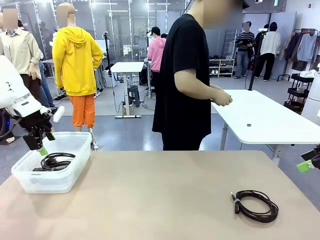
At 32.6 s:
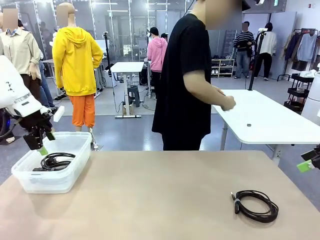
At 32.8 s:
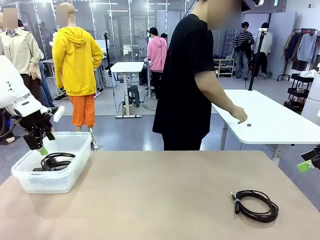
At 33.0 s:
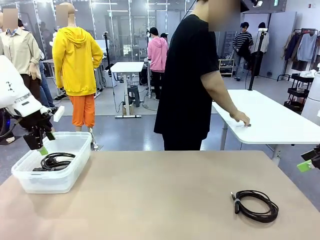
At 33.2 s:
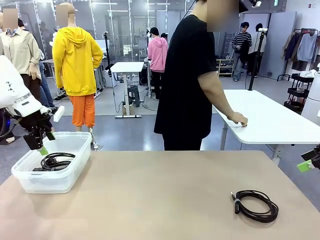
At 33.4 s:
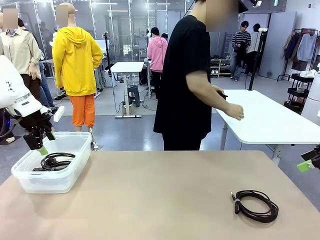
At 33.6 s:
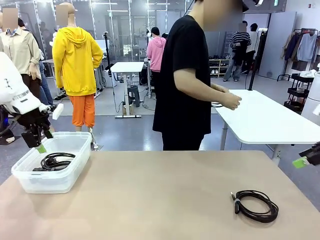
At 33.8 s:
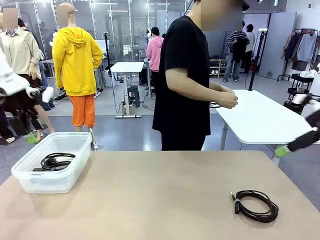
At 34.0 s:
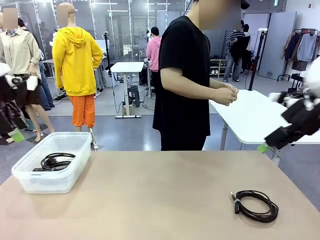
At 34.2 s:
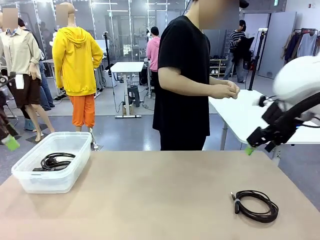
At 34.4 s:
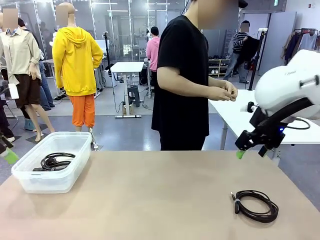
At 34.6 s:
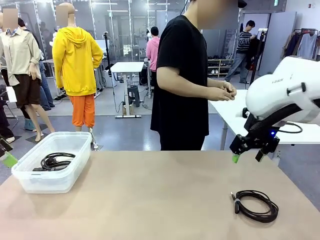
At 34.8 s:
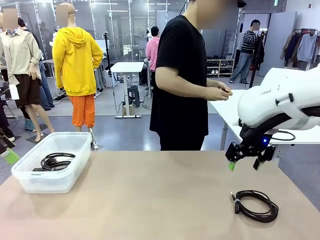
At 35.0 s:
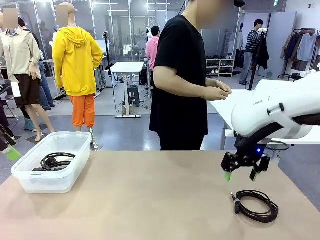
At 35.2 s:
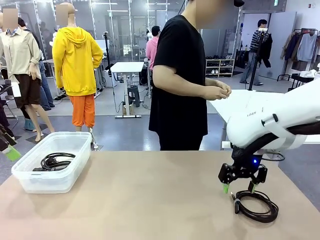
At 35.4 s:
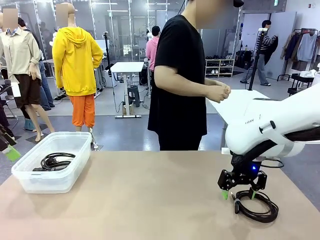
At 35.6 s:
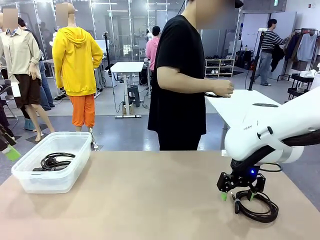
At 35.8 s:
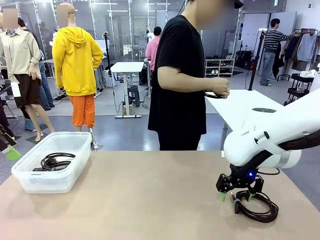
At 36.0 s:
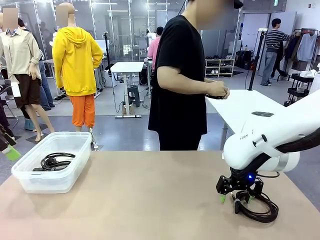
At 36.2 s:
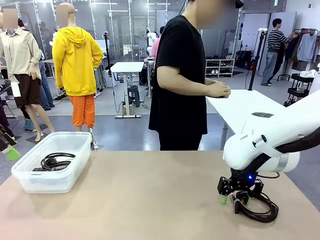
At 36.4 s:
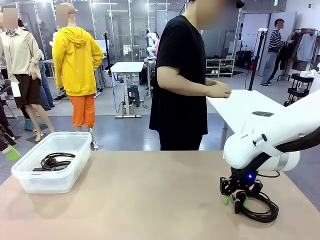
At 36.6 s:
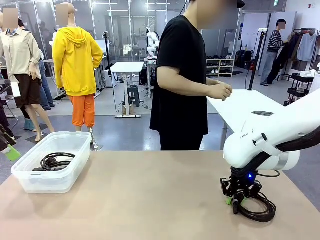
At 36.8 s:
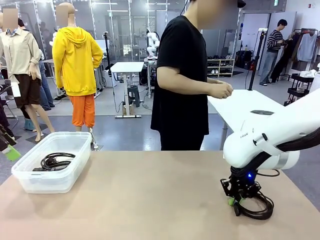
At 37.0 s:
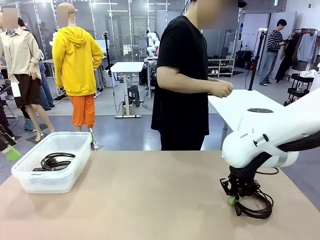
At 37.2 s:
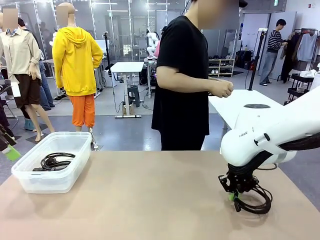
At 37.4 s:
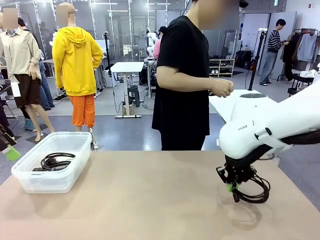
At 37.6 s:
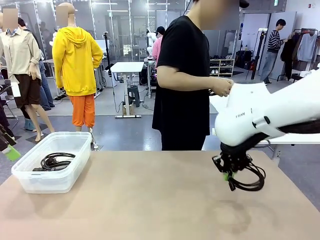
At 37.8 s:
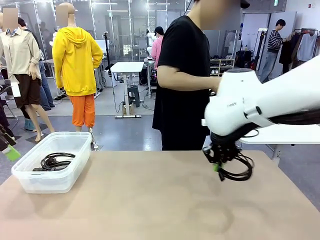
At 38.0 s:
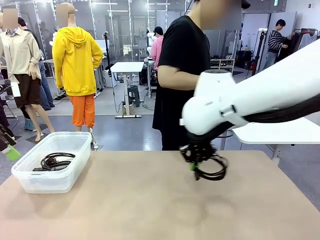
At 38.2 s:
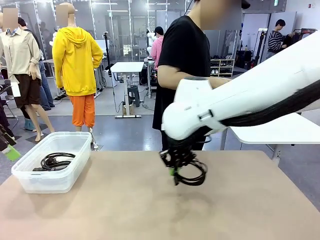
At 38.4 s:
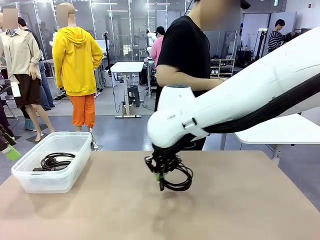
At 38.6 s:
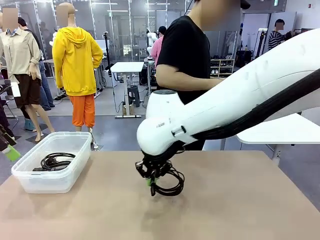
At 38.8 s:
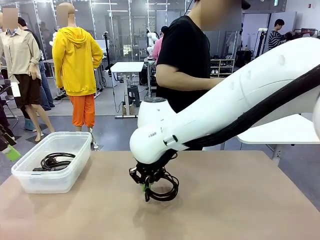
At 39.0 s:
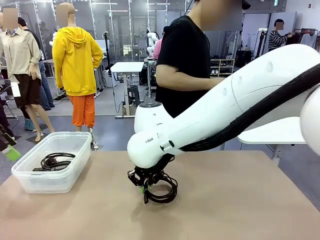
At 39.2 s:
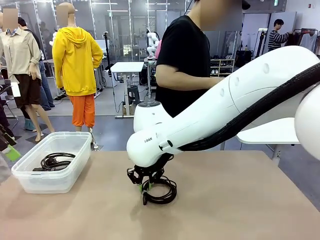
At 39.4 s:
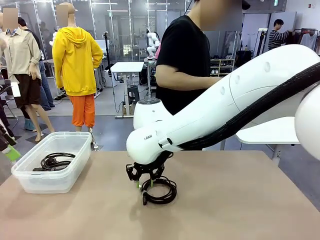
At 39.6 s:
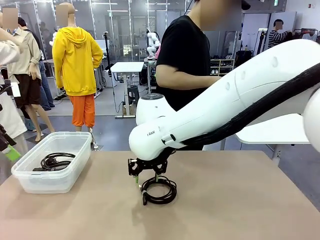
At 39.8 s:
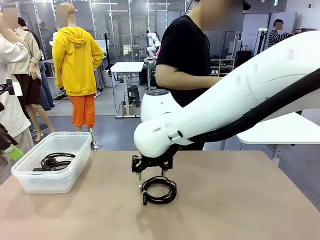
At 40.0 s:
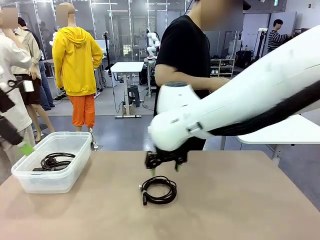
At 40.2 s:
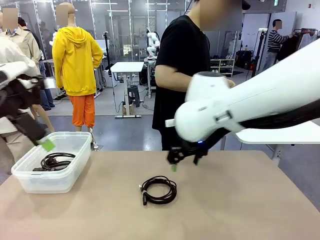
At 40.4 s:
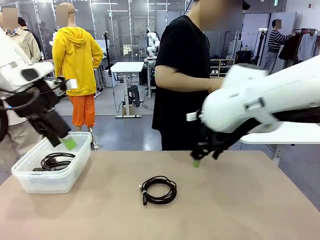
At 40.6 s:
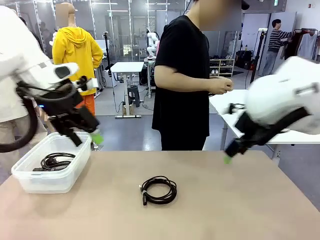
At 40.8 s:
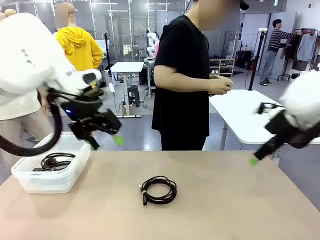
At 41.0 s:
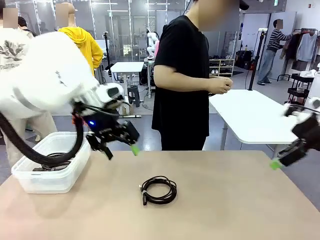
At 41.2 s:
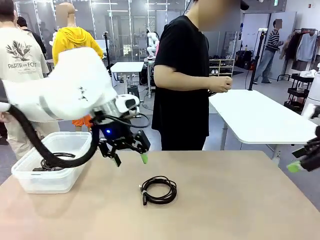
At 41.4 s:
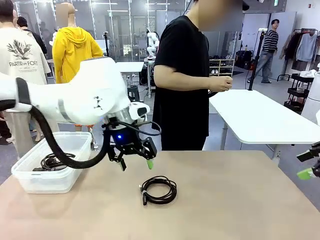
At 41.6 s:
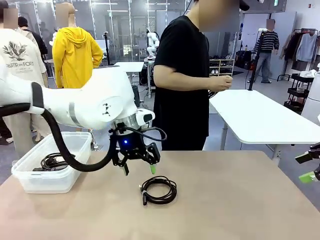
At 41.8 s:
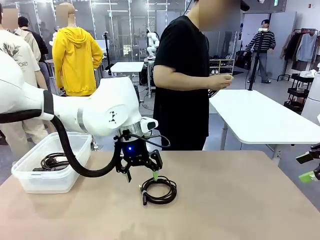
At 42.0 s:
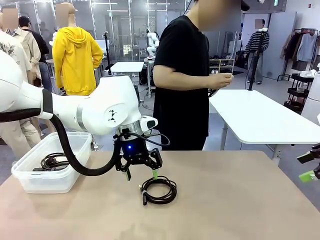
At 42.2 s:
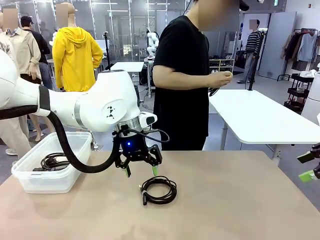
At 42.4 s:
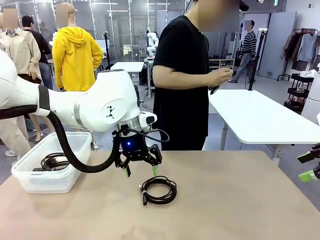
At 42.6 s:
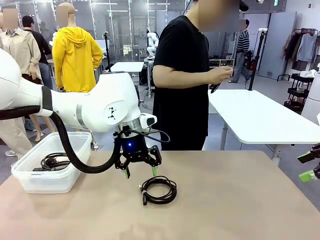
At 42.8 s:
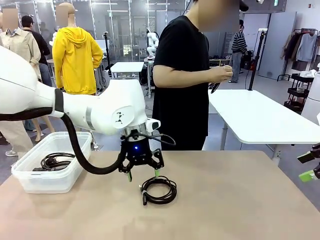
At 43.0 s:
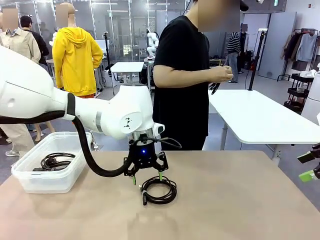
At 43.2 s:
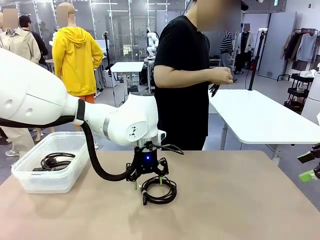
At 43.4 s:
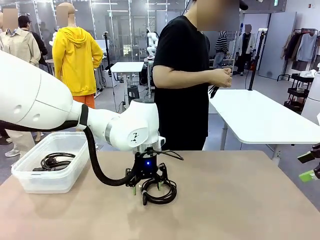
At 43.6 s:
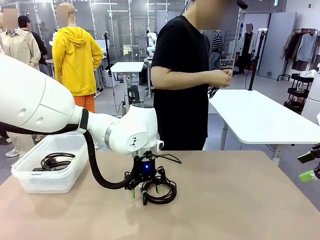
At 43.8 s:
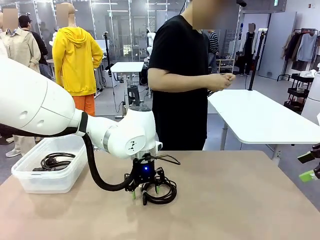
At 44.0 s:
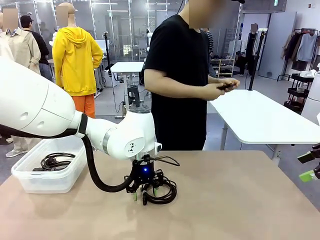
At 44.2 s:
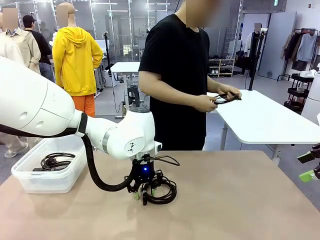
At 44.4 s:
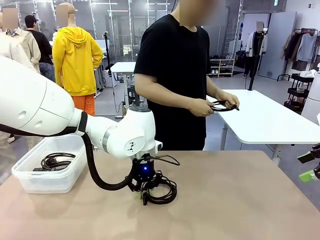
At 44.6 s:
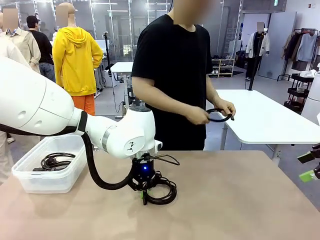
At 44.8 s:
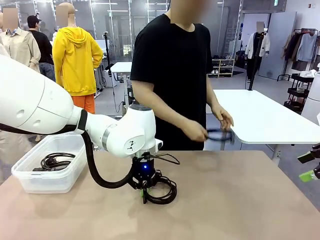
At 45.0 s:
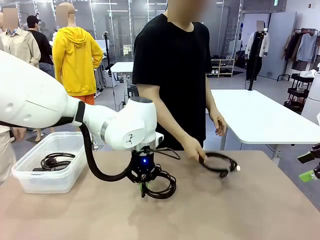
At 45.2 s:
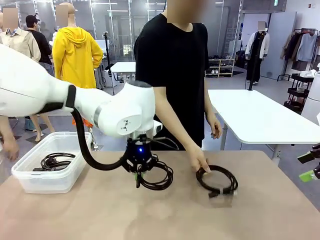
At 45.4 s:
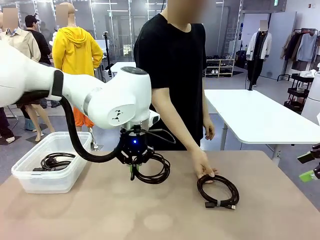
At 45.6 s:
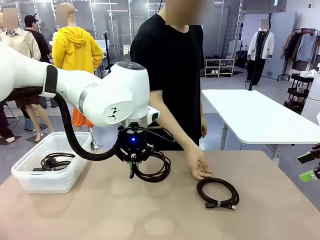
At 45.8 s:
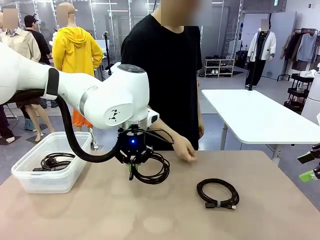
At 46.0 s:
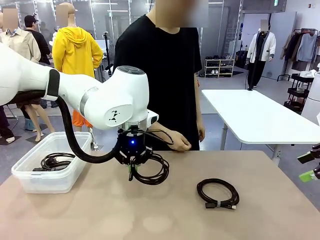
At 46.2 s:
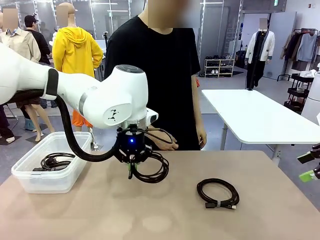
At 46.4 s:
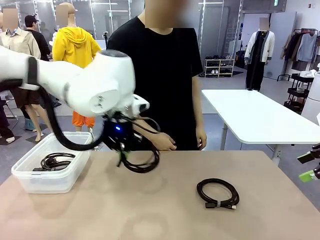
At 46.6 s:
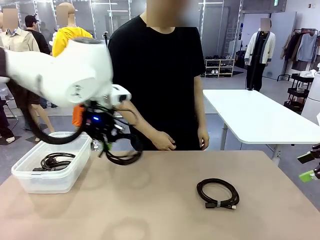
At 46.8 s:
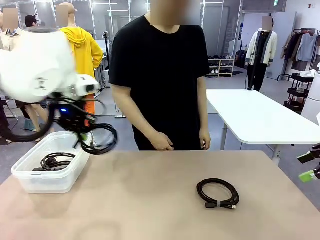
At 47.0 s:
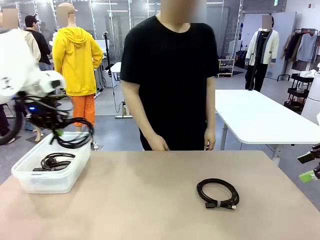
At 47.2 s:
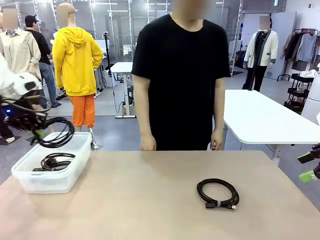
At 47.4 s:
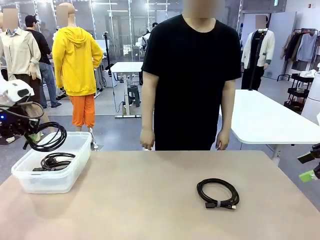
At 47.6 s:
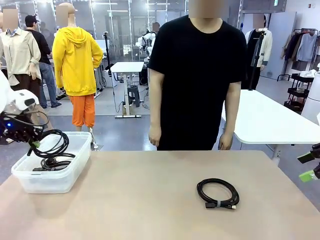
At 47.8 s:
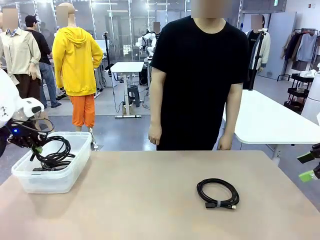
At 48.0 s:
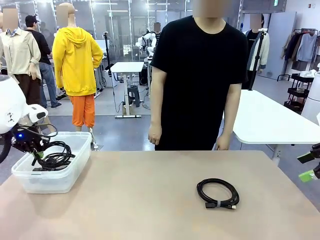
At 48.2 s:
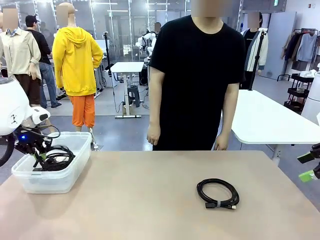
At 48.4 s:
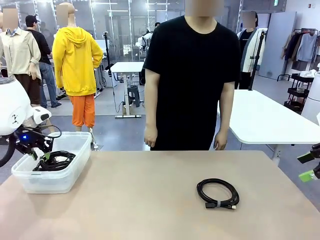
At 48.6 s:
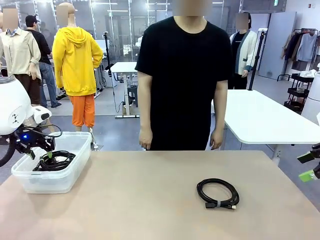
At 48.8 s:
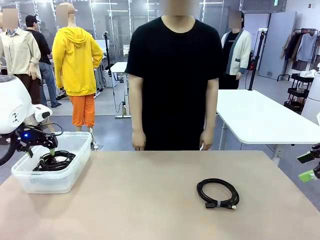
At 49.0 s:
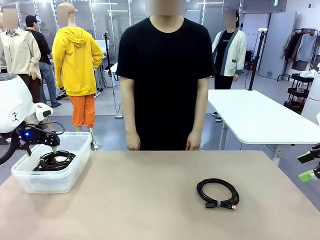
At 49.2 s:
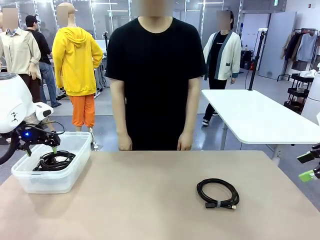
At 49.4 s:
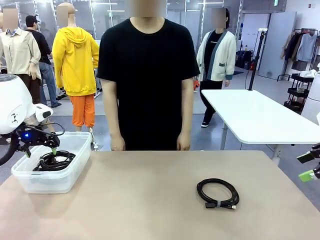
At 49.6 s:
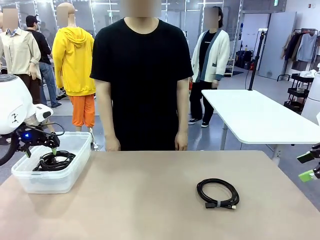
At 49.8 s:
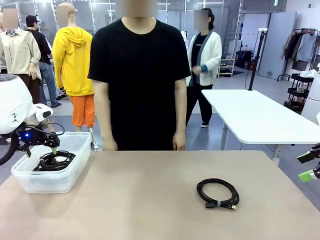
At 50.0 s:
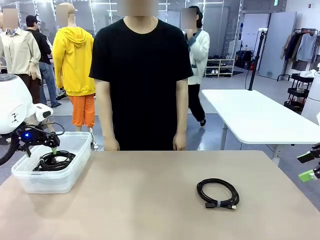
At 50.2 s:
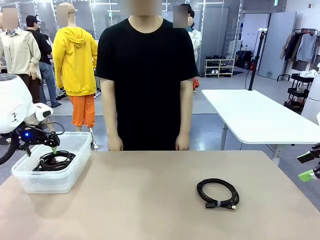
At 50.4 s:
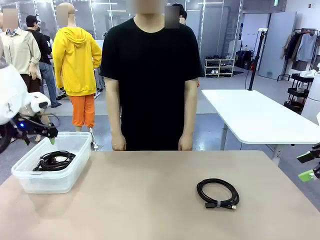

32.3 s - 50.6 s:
Task: Organize and store the cables.
Robot: Place the USB Extension Cable into the Organizing box.

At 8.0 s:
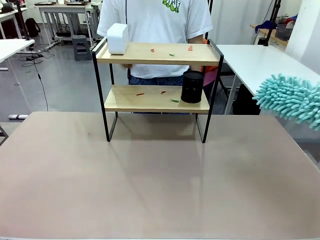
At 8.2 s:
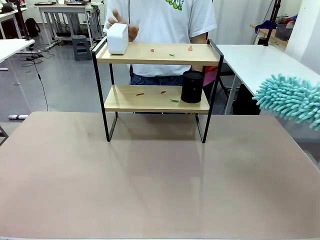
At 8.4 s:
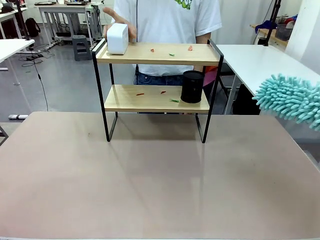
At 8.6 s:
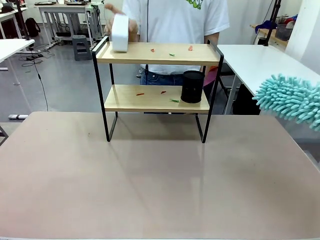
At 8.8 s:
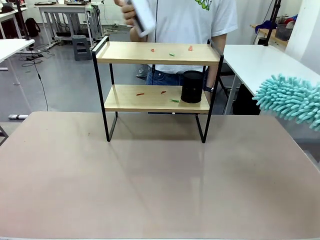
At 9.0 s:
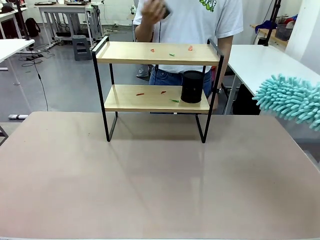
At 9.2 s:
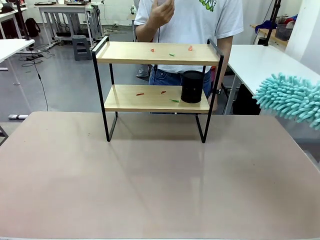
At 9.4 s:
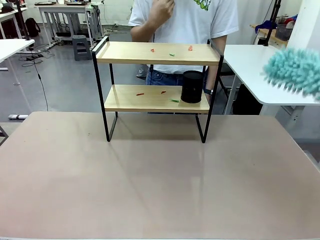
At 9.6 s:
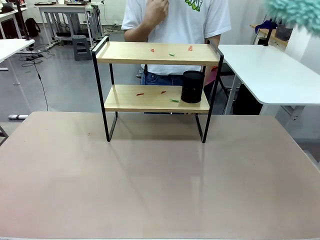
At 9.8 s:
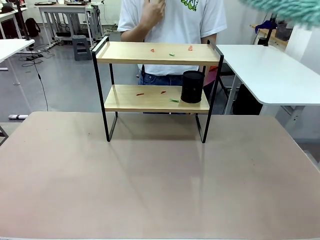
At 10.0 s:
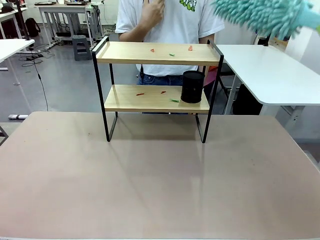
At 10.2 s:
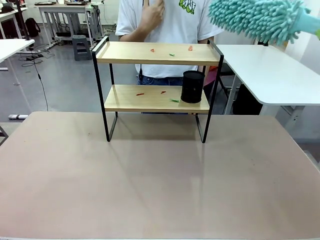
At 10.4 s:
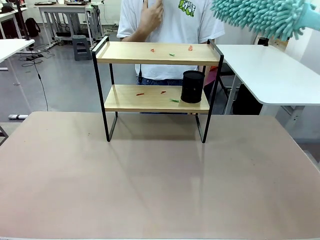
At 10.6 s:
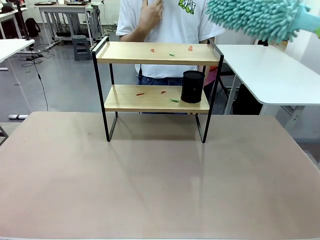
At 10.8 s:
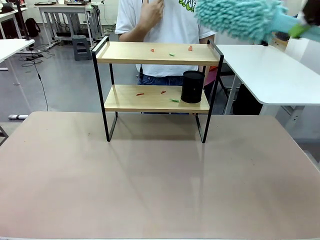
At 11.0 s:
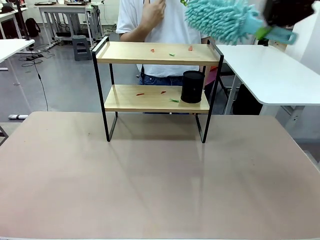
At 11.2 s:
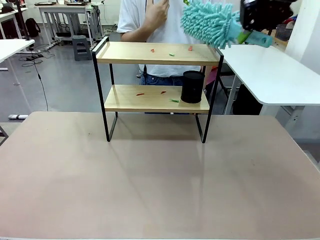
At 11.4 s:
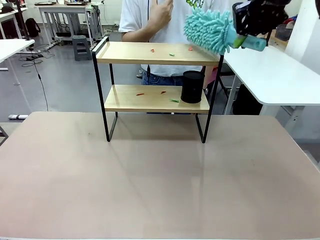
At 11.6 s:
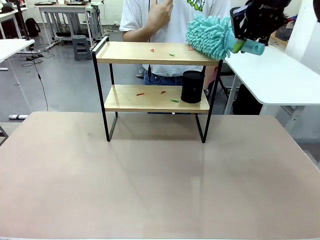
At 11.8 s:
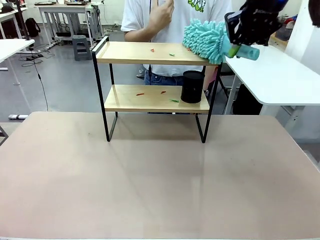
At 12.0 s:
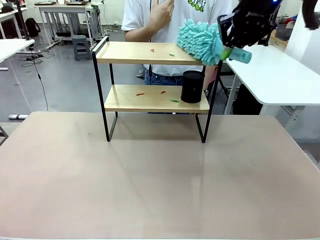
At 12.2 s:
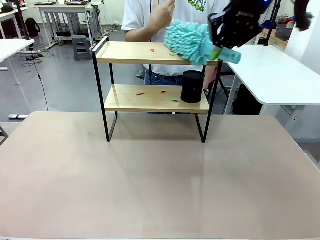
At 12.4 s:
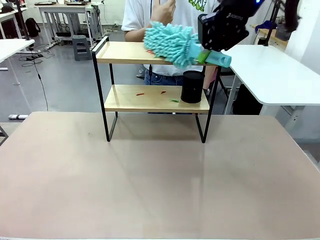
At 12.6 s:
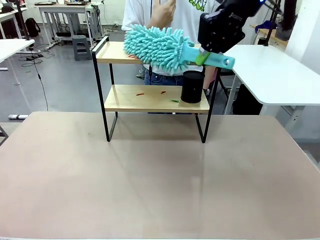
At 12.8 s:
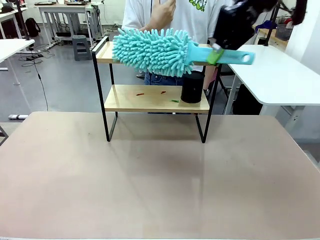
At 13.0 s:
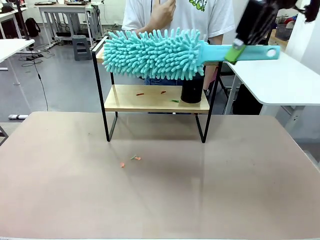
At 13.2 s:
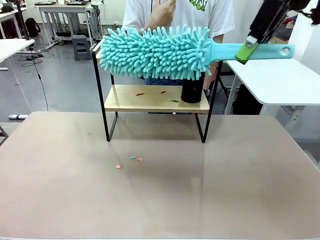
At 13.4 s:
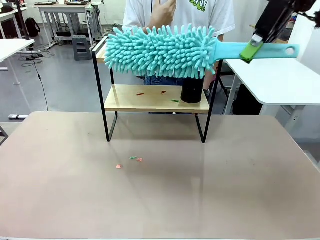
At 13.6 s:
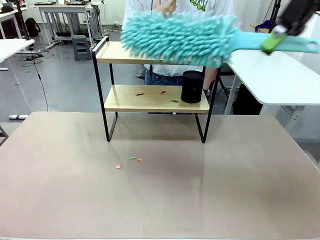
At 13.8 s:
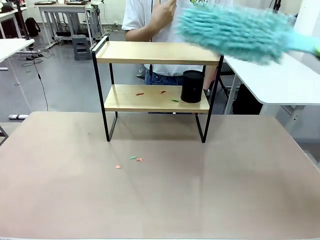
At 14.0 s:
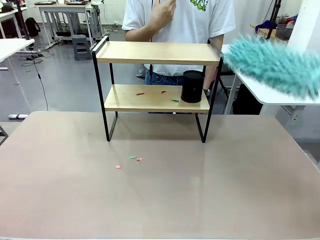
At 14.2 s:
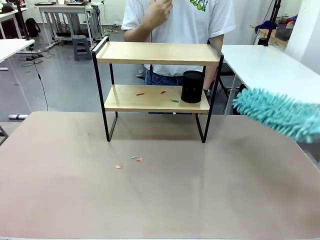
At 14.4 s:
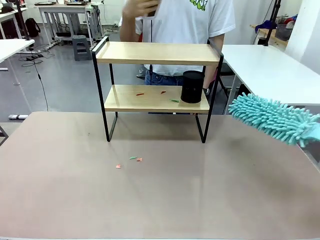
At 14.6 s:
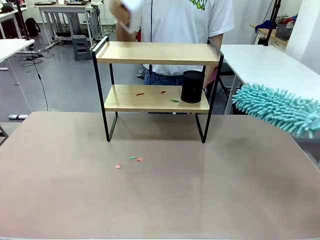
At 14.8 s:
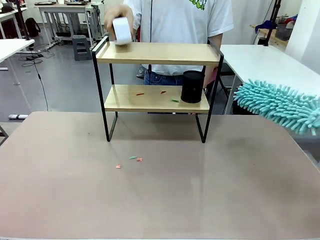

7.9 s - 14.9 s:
Task: Clean the shelf.
Robot: Clean the specific tier of the Shelf with the Duster once objects are removed.
Person: Lift the objects on a randomly selected tier of the Shelf. Once the robot finishes cleaning, lift the objects on the remaining tiers of the Shelf.
